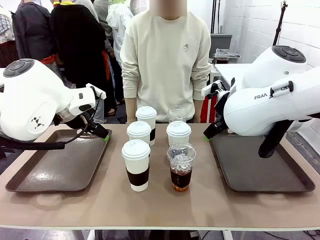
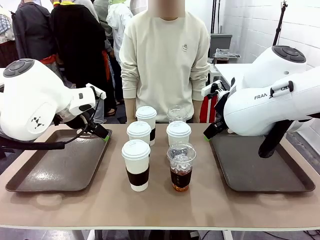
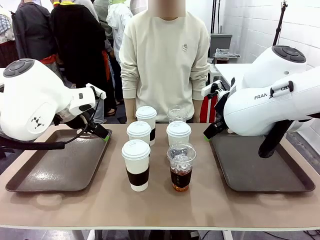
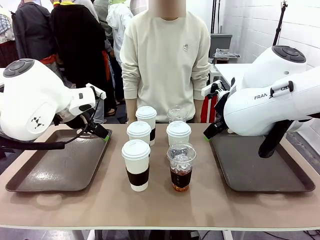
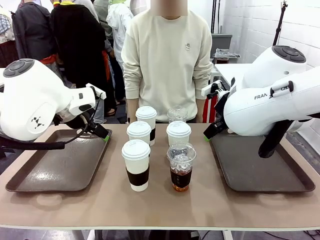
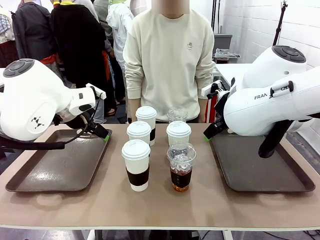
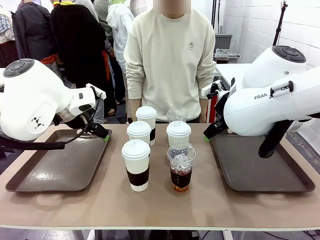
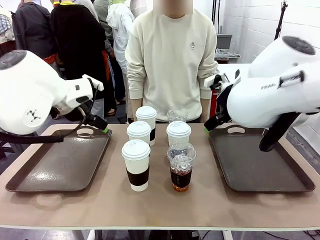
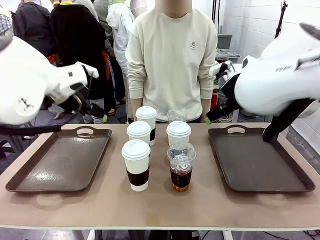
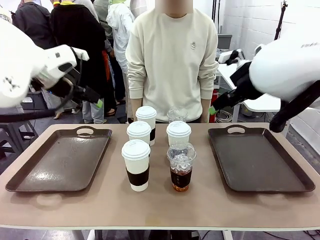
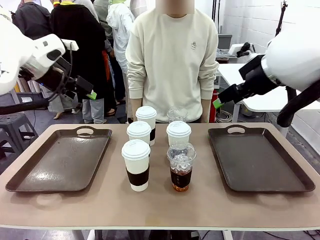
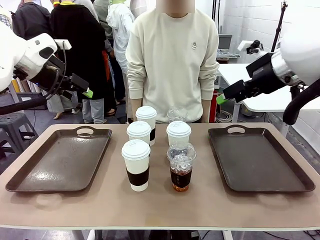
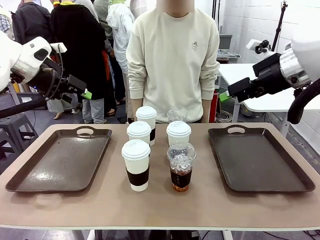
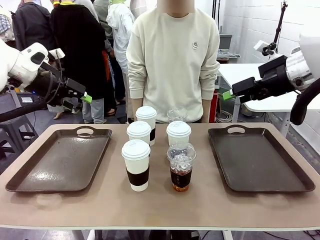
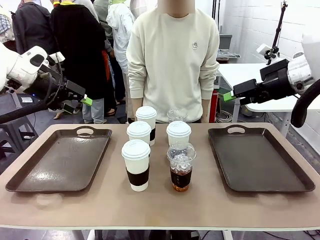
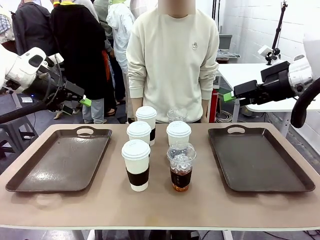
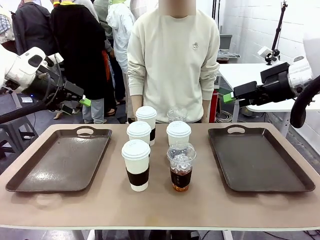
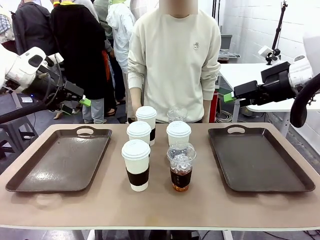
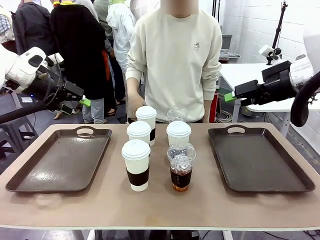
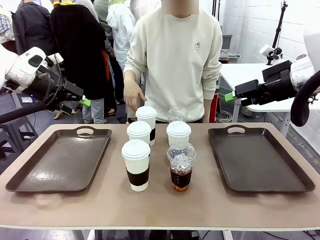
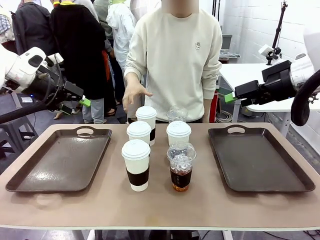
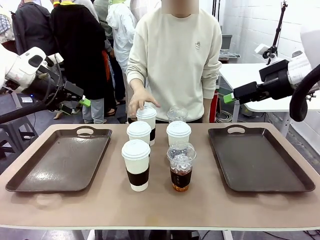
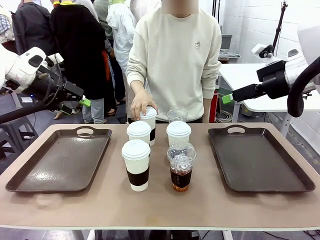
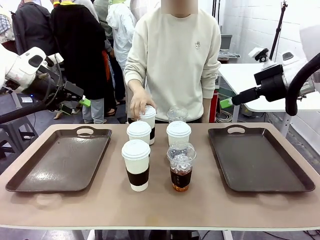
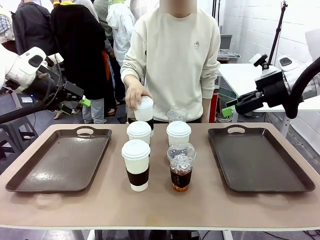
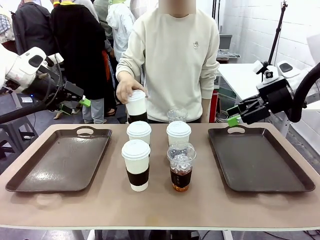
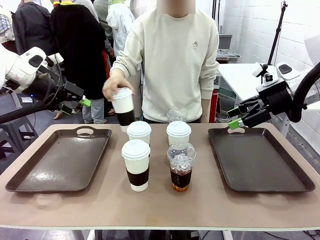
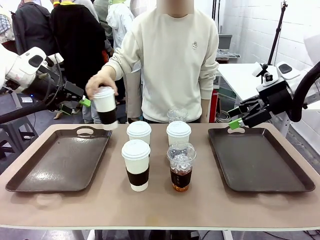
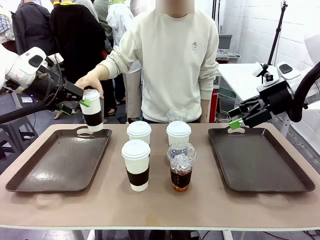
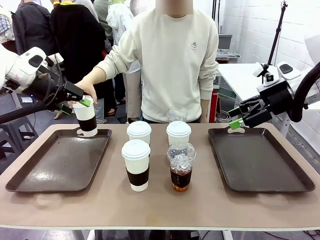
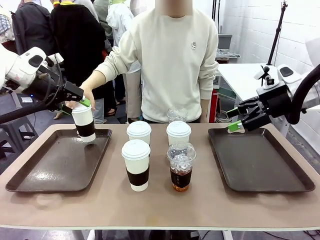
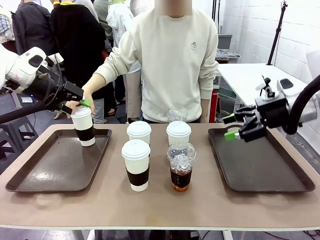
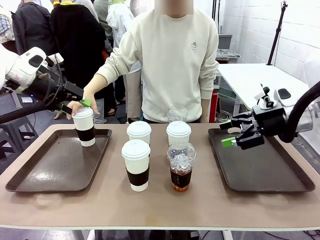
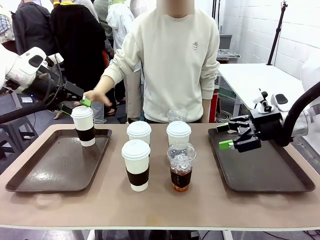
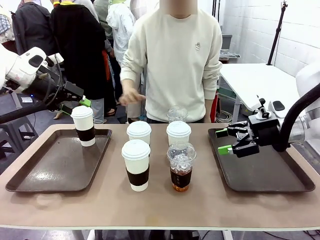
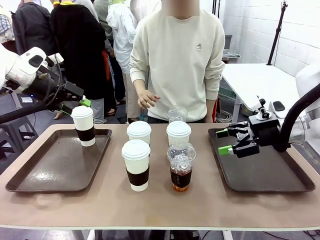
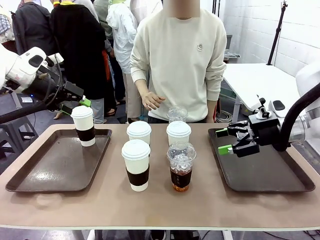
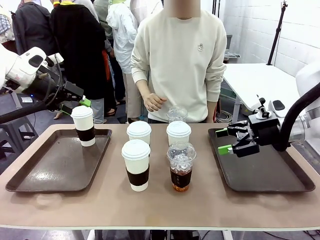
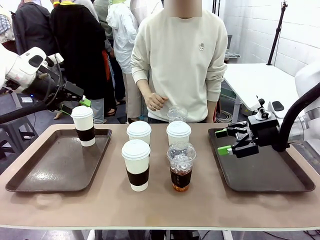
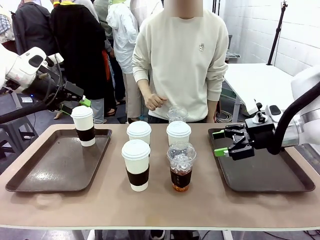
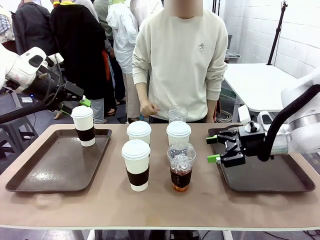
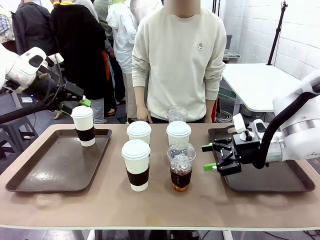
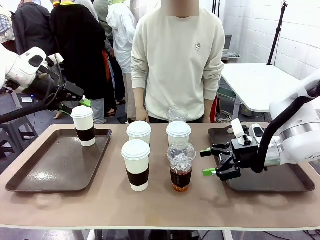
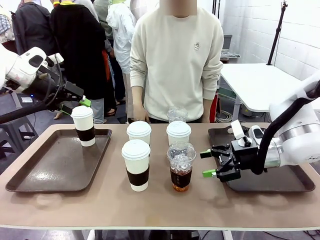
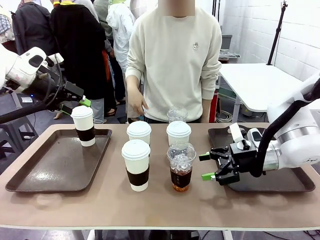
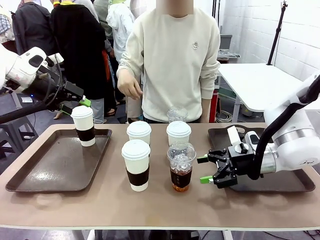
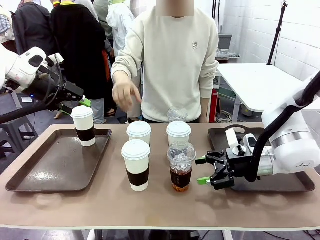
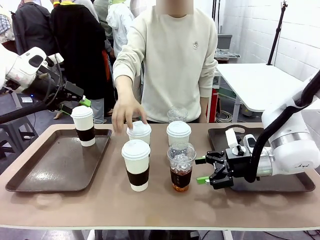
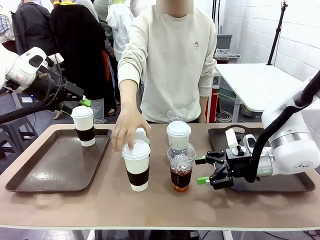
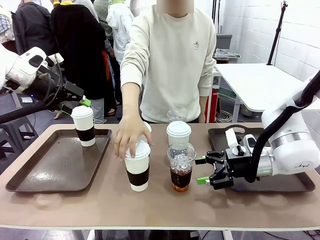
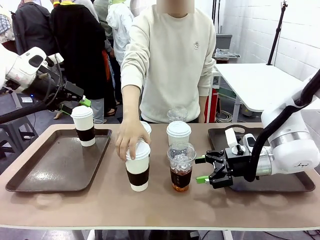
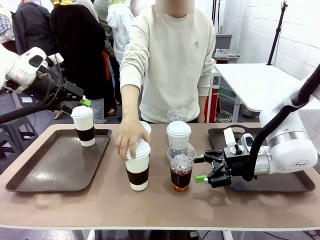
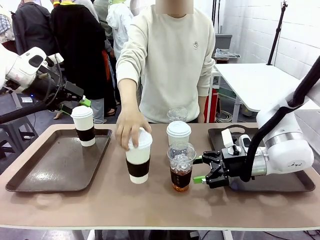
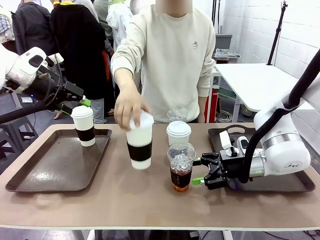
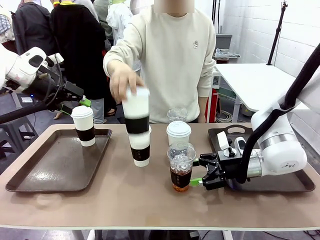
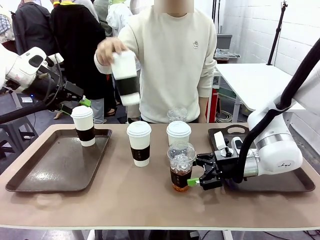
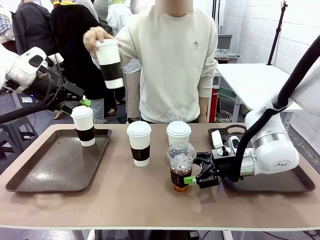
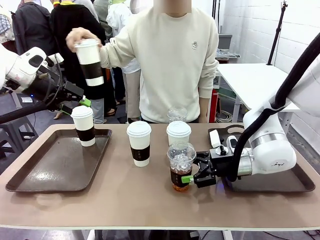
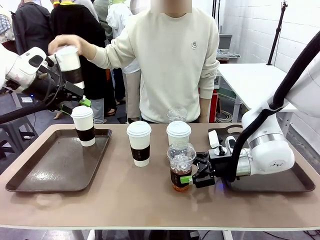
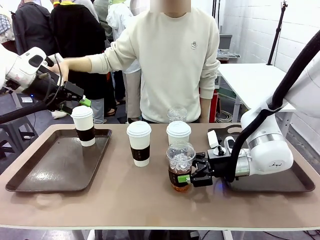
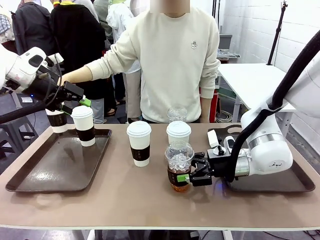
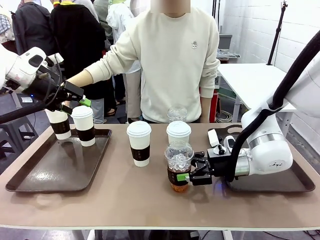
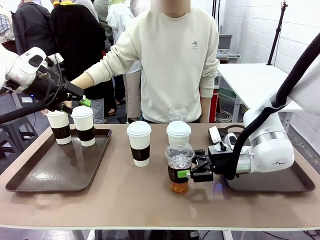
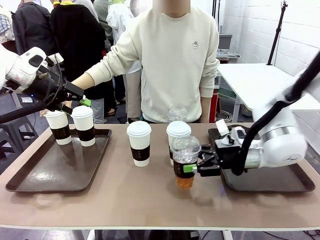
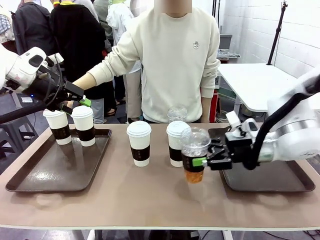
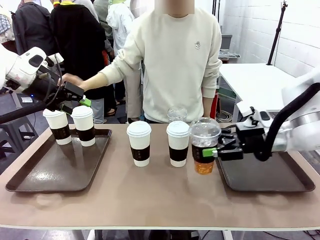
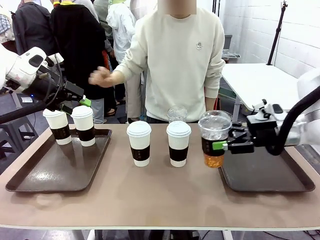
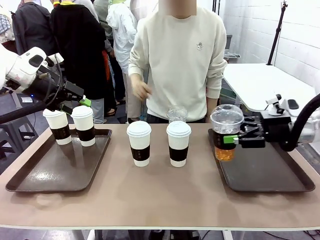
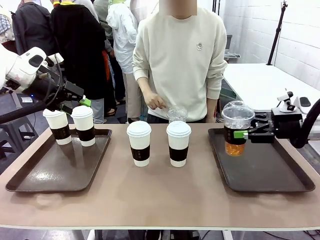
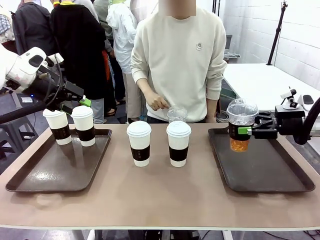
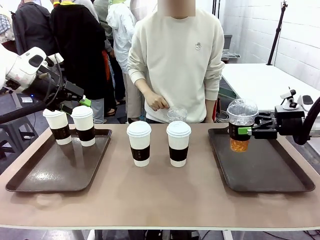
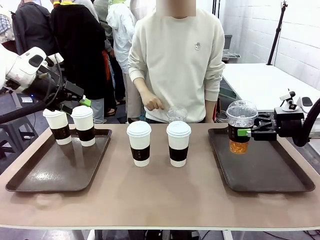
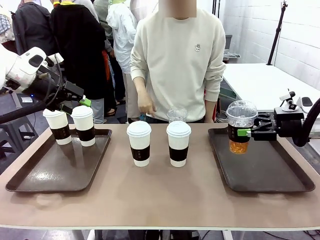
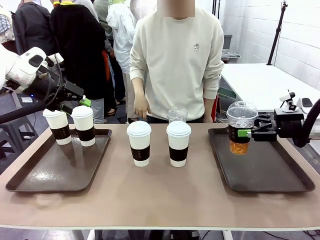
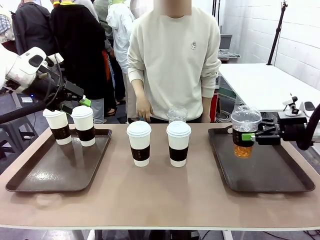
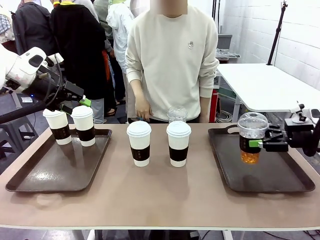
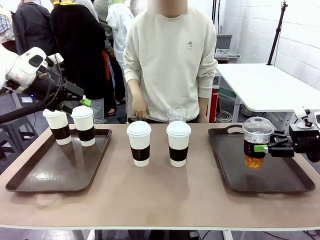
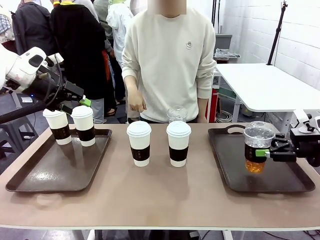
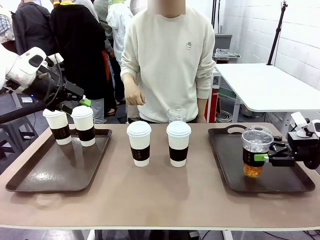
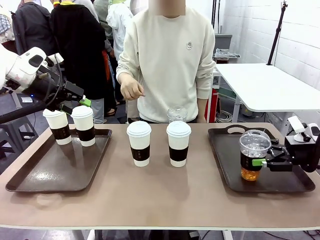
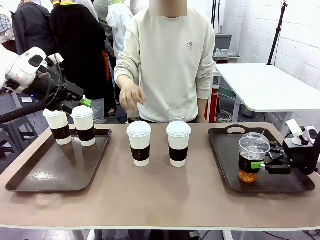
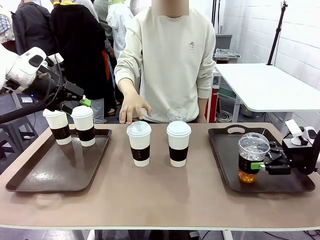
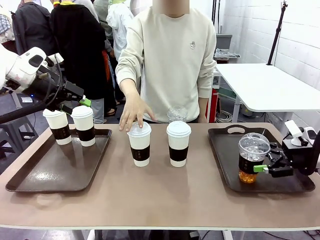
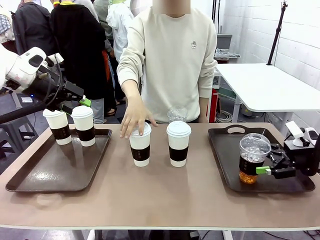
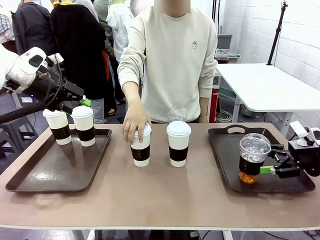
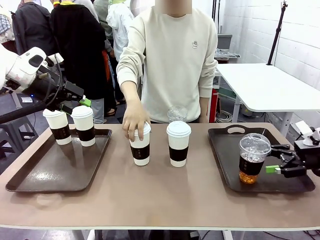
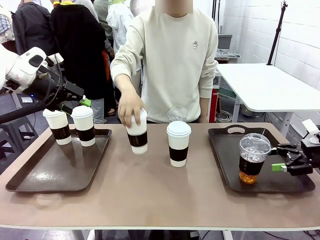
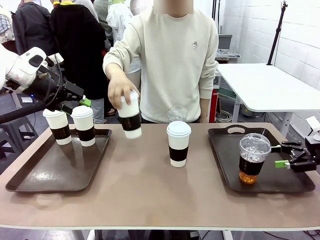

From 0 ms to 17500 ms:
Task: Distribute the coffee onto the tray.
Robot: Pick up one iced Americano and place it on the right Handle tray.
Person: Pick up a cup of hot Americano and place it on the right tray.
